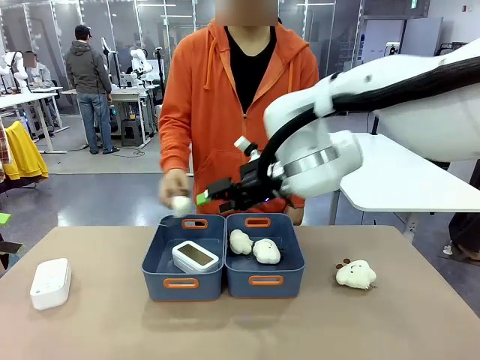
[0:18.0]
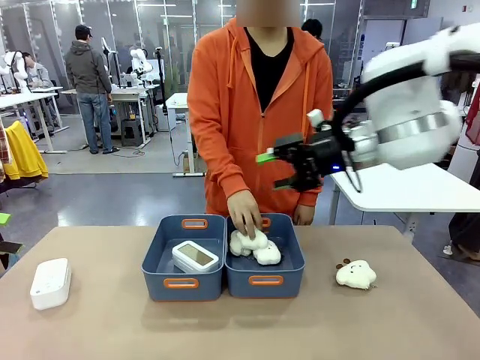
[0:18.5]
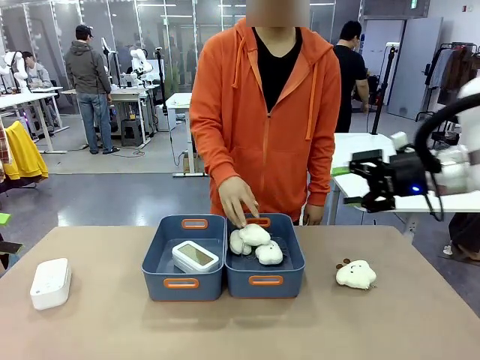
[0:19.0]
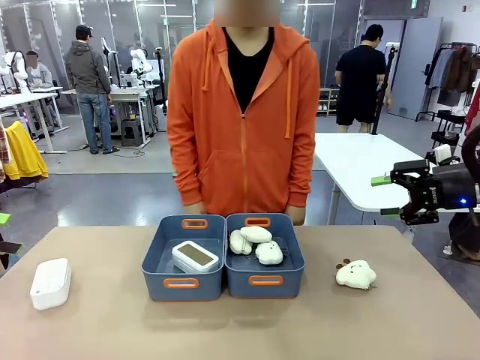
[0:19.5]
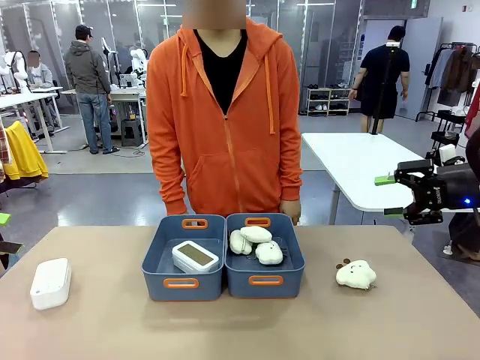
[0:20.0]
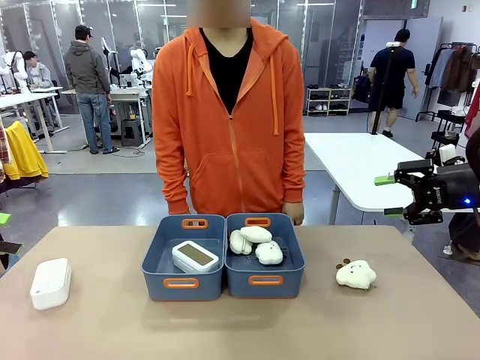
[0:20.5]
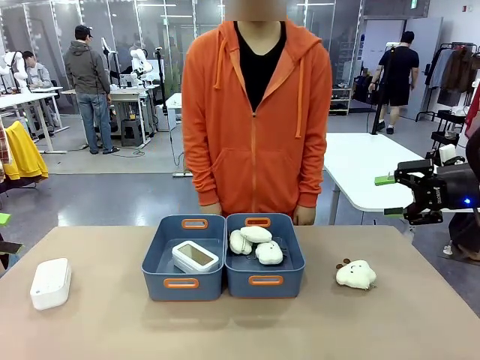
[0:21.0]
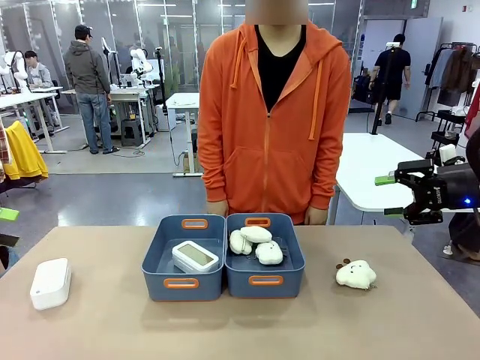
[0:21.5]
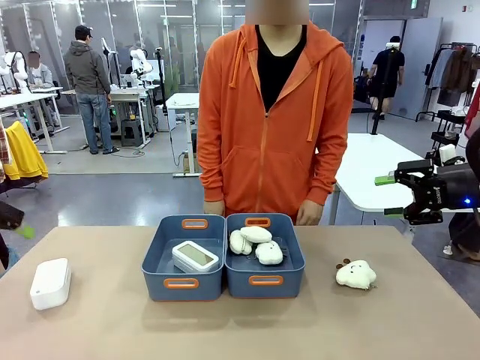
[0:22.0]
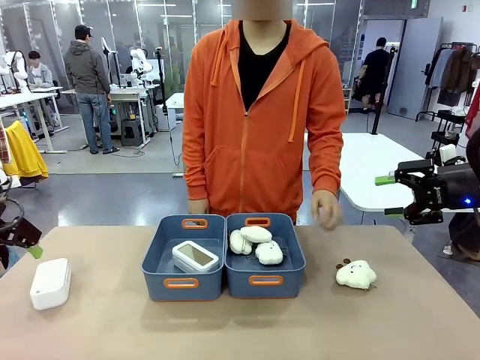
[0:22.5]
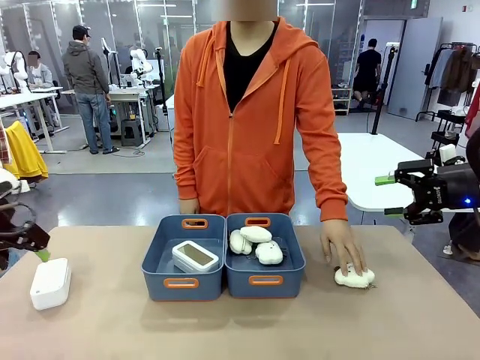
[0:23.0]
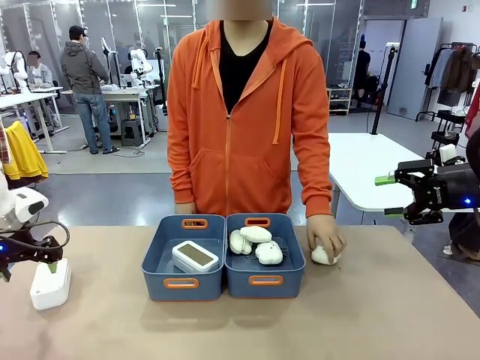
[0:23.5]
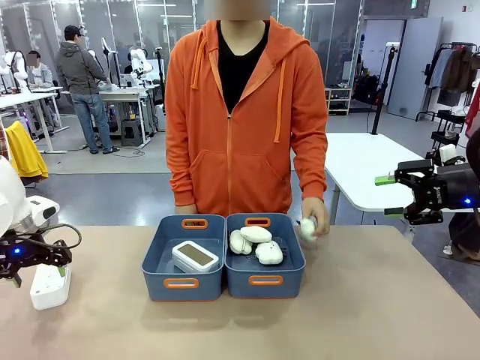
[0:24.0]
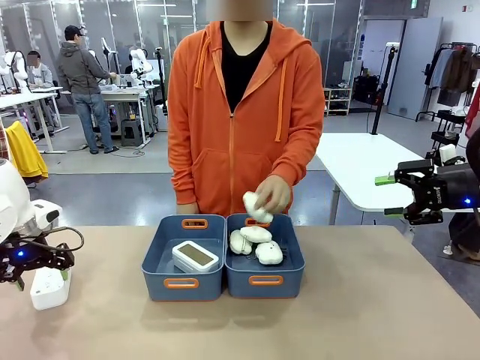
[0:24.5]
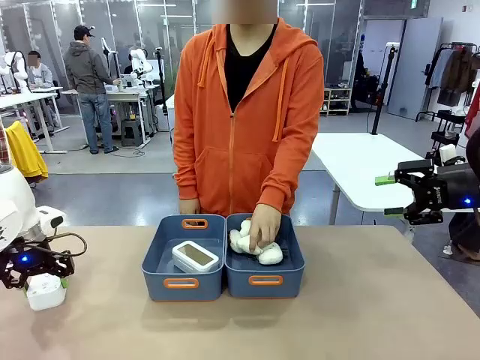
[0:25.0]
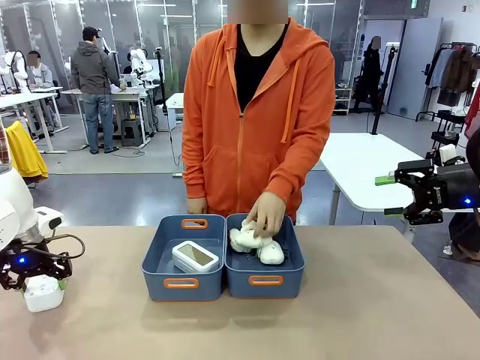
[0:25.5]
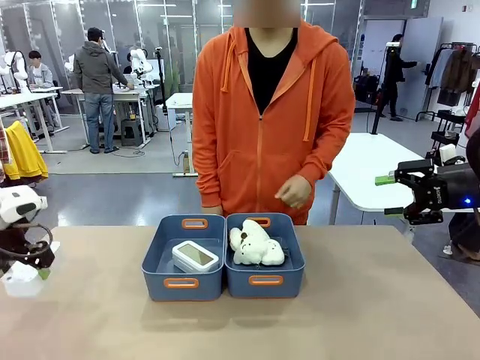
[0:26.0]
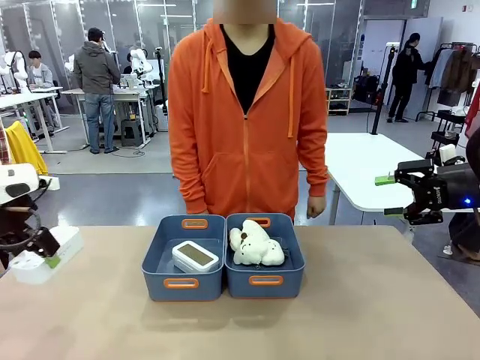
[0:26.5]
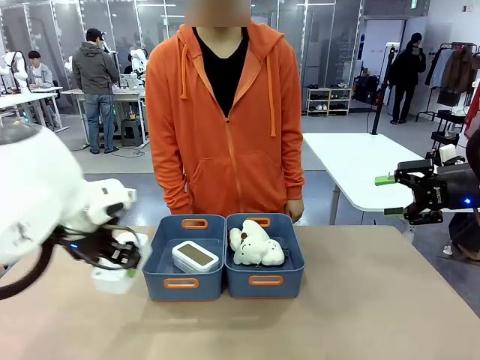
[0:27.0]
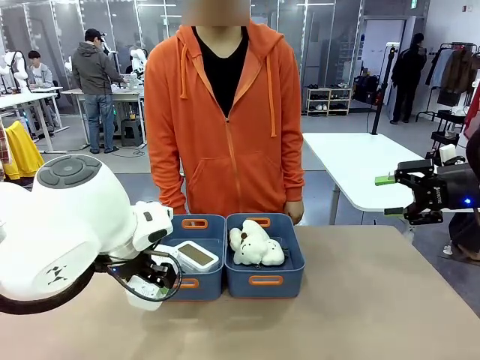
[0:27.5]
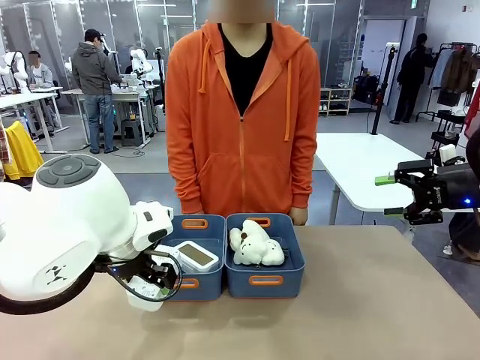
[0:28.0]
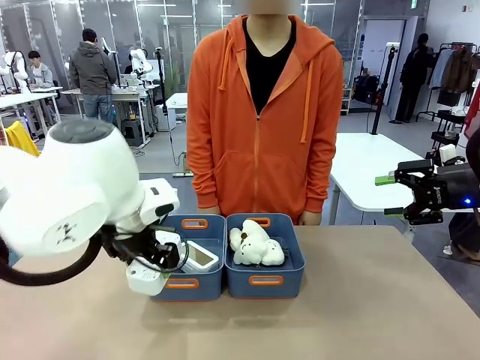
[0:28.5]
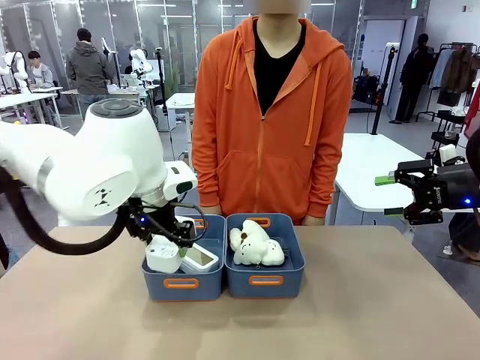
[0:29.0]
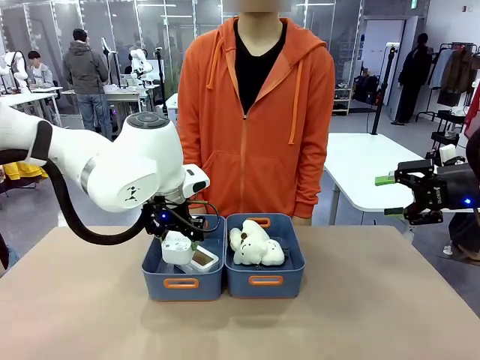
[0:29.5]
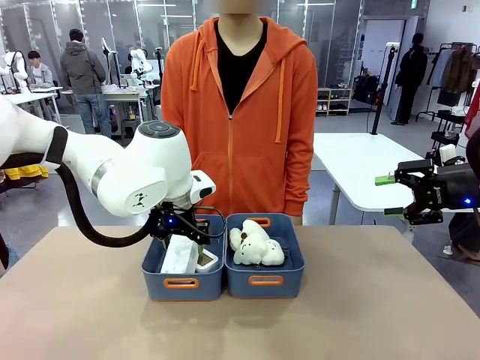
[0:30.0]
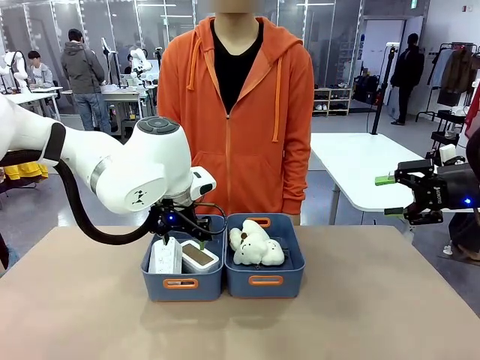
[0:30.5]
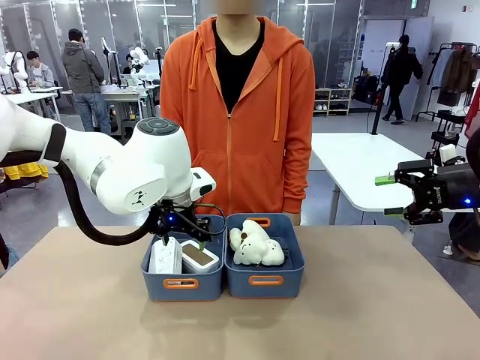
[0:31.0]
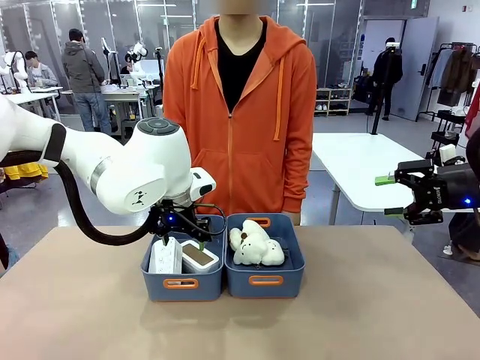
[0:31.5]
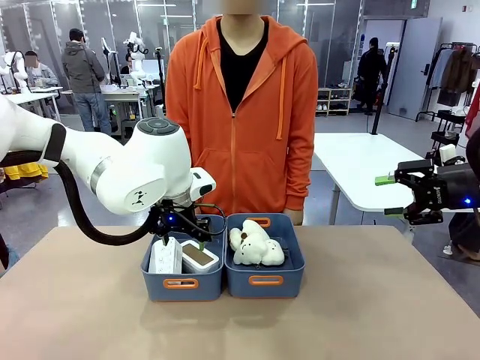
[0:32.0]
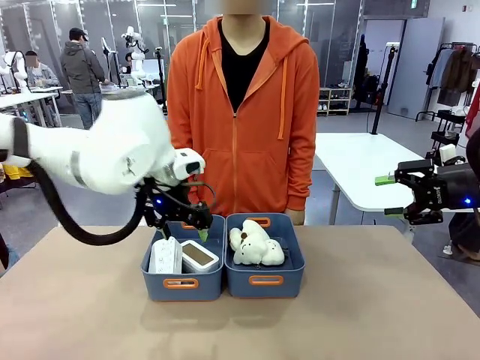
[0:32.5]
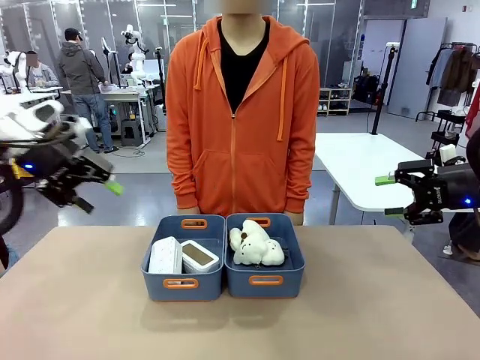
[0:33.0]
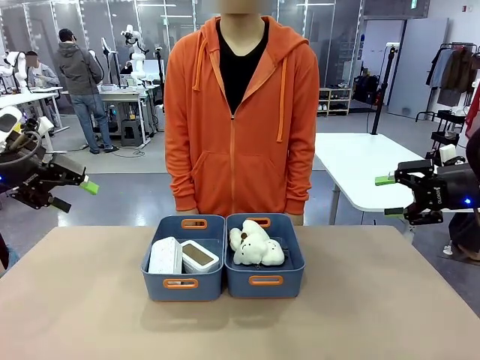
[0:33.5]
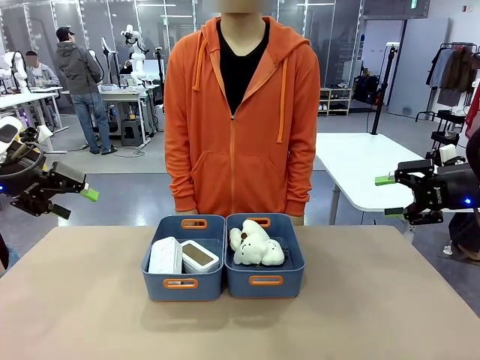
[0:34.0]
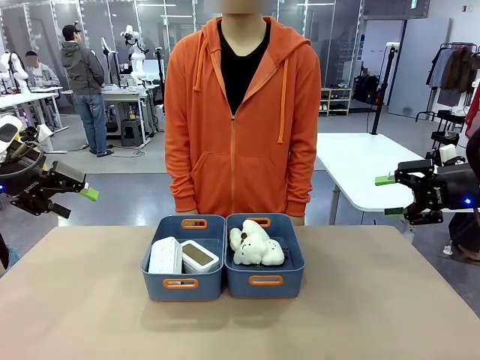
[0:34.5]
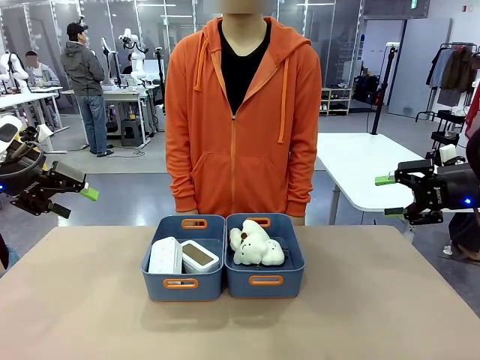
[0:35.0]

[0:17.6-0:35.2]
Task: Sort the digital clocks into the basket.
Robot: Pick up the Digital clock from the table and place it into the empty Plastic storage basket.
Person: Pick up a plush toy from the table and place it in the plastic storage basket containing the plush toy.

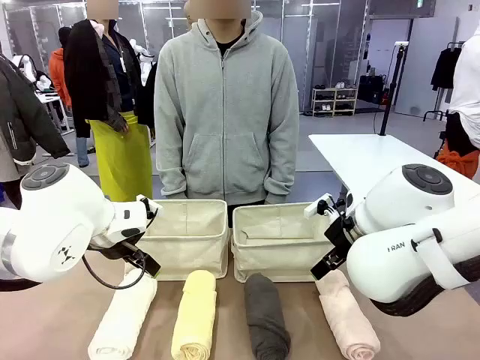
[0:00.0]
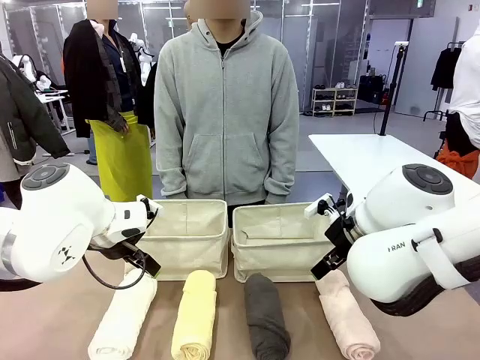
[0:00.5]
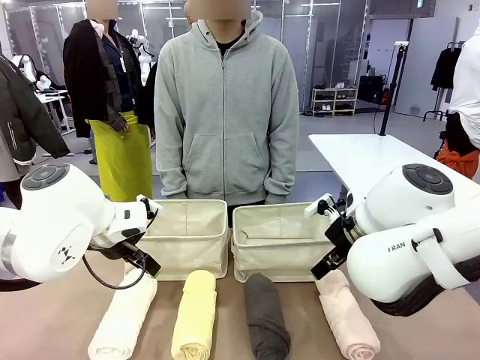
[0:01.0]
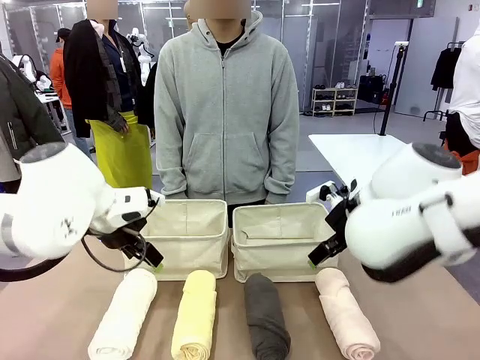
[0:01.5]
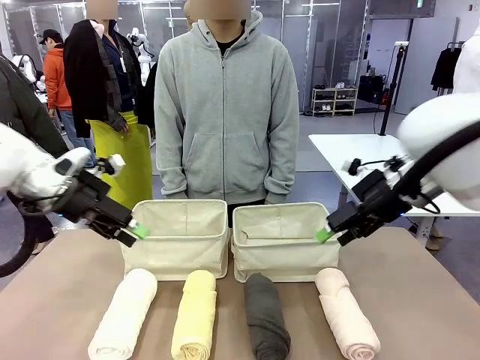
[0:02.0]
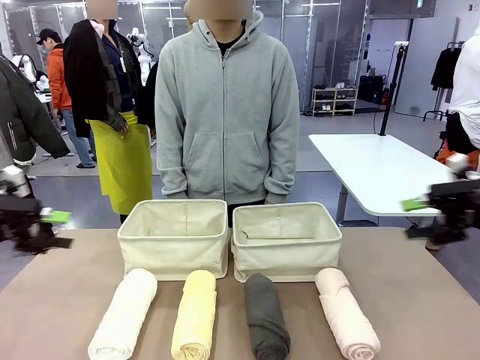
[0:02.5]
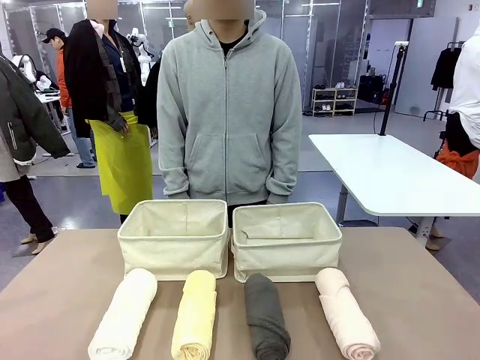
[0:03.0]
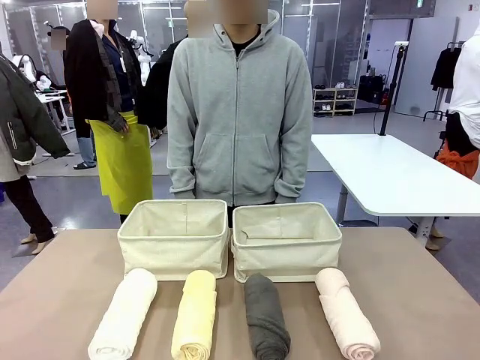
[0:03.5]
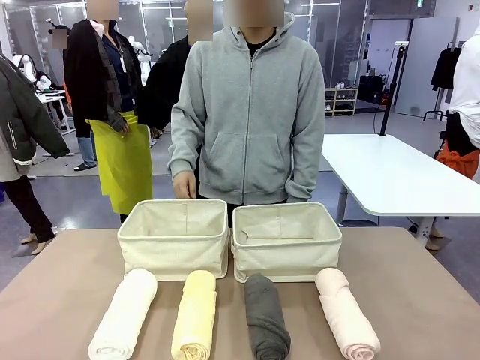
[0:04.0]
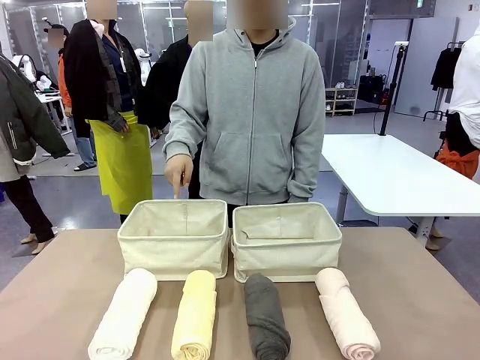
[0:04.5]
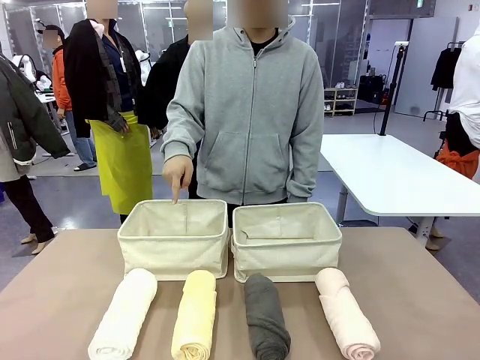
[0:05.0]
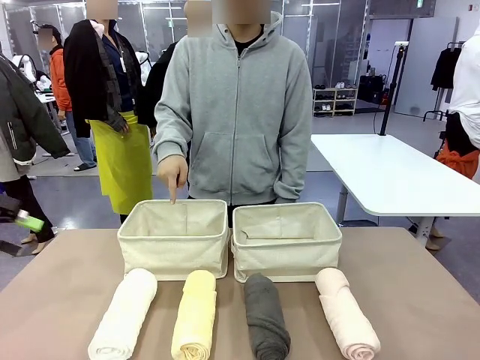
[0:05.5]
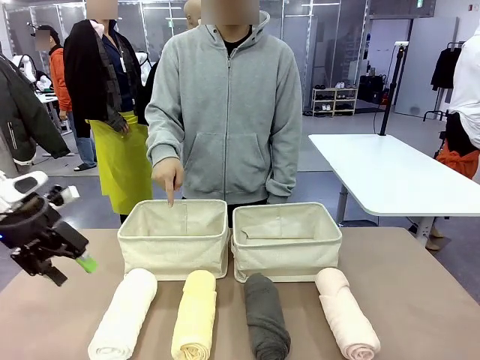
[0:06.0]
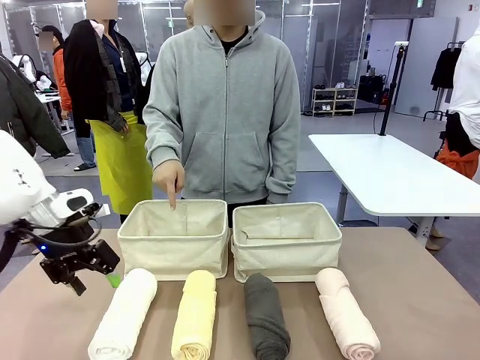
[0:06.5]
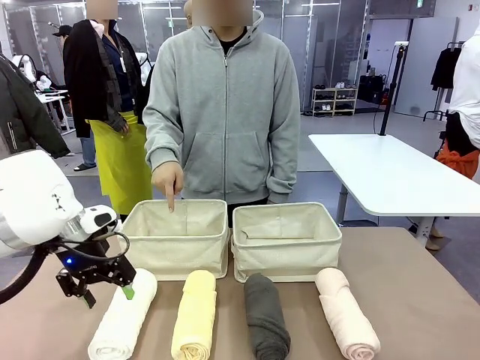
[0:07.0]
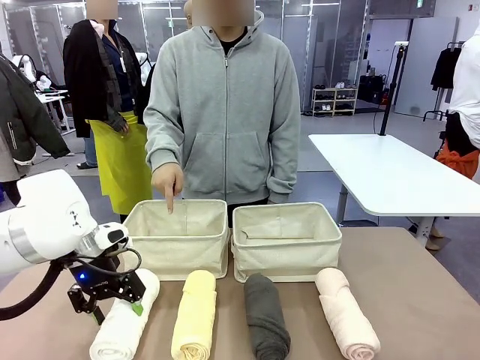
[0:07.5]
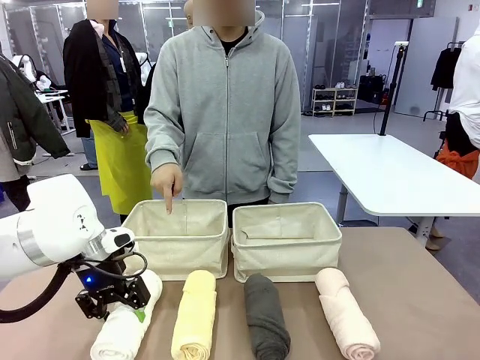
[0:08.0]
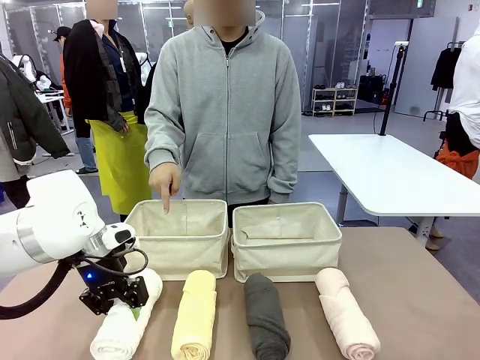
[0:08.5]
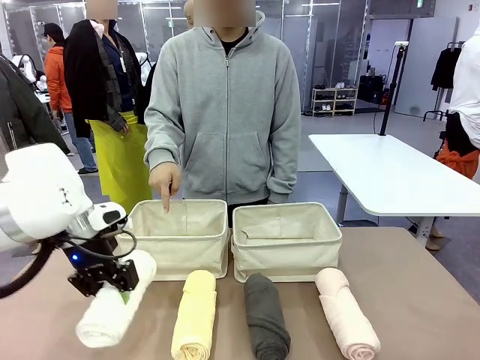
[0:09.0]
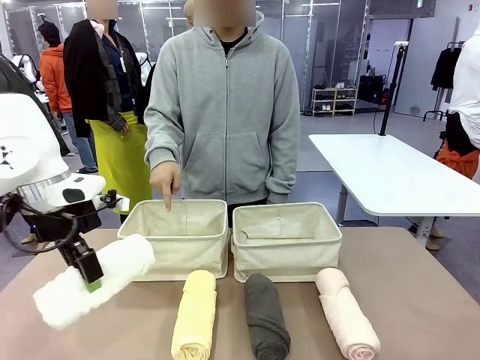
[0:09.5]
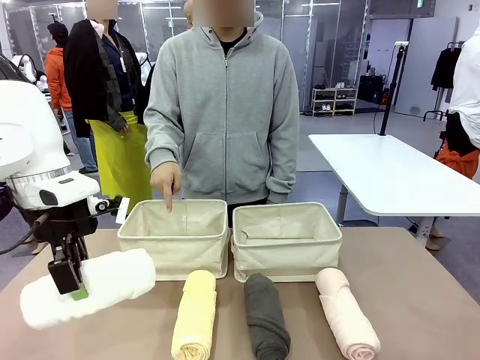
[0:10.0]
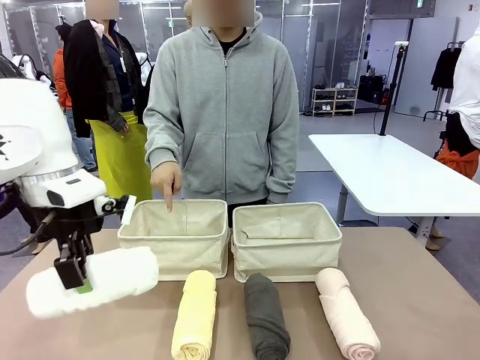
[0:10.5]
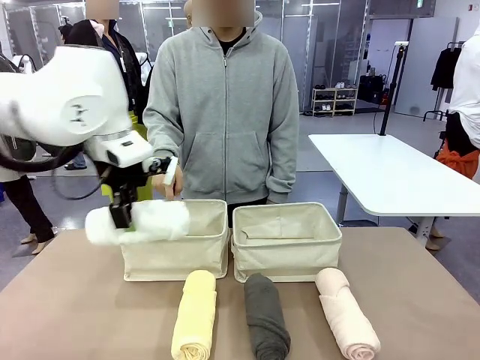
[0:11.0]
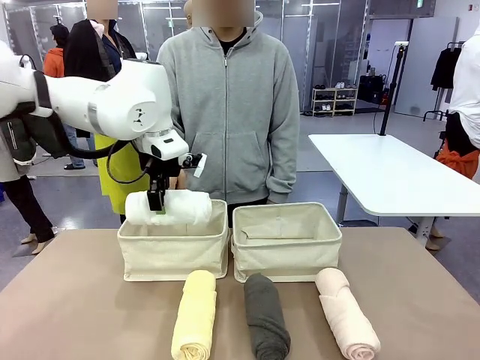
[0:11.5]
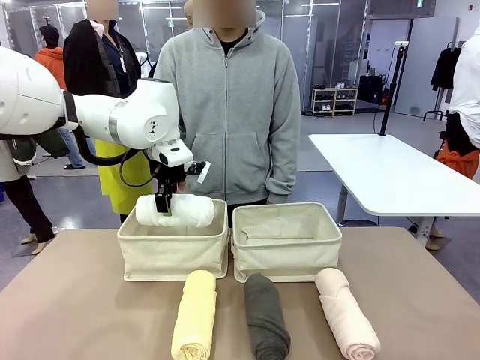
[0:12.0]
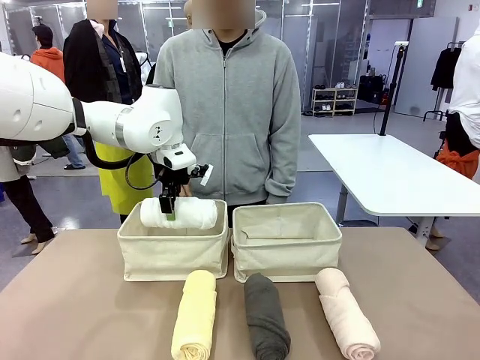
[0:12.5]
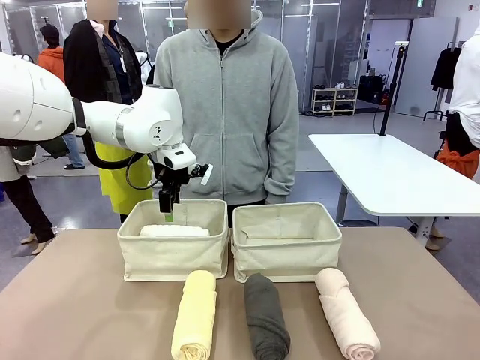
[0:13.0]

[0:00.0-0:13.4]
Task: Divide the towels into two baskets.
Robot: Pick up one hotel-folded towel and place it in the Fabric basket indicated by the person.
